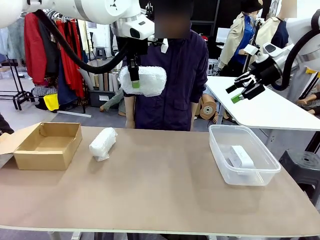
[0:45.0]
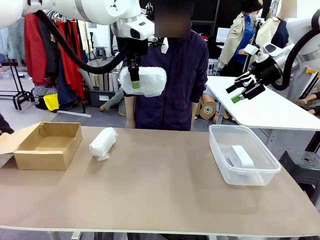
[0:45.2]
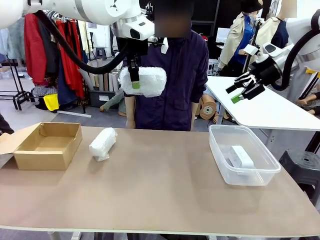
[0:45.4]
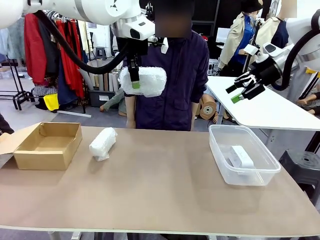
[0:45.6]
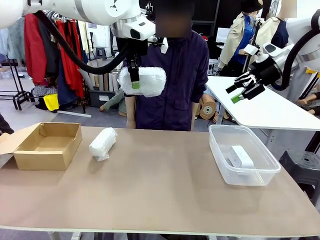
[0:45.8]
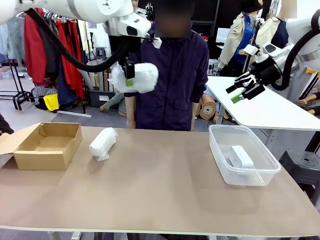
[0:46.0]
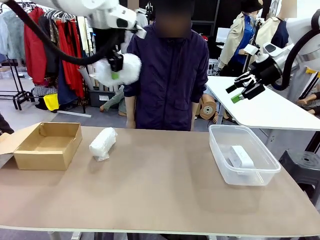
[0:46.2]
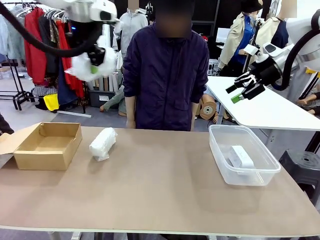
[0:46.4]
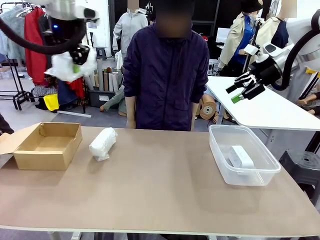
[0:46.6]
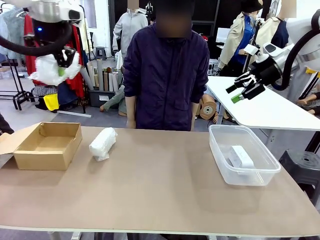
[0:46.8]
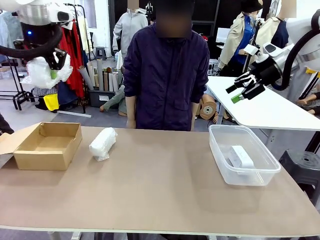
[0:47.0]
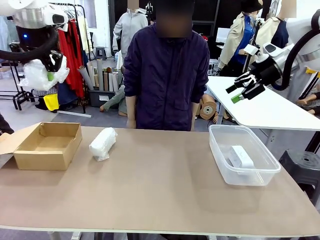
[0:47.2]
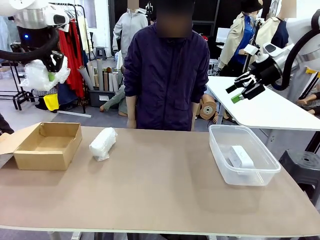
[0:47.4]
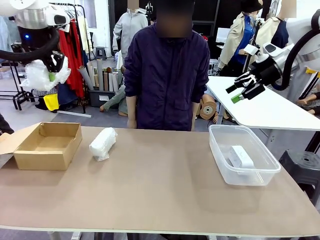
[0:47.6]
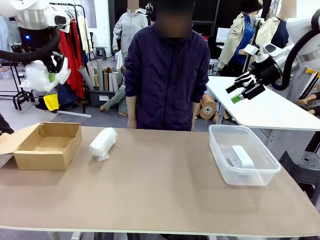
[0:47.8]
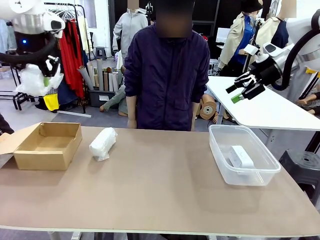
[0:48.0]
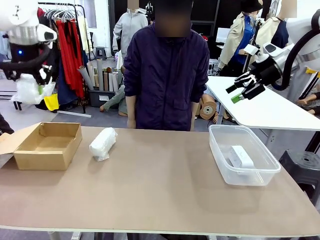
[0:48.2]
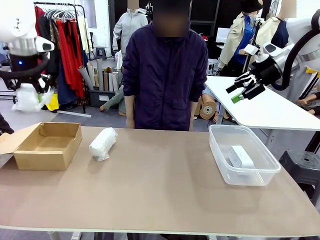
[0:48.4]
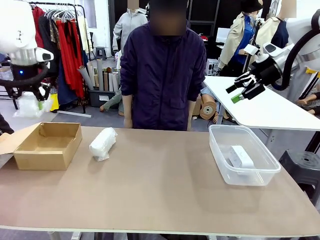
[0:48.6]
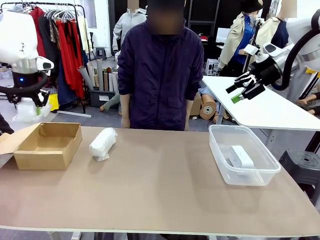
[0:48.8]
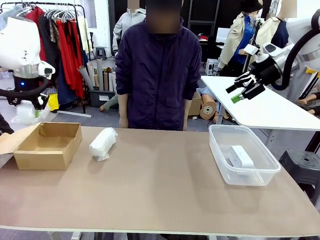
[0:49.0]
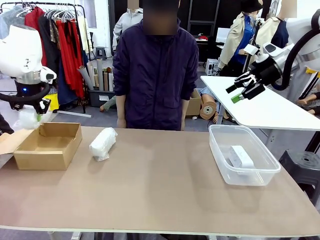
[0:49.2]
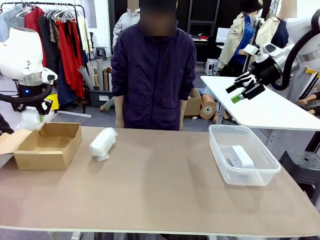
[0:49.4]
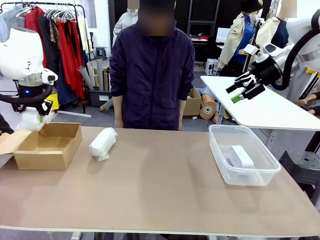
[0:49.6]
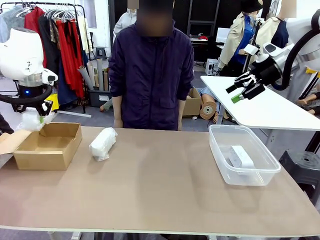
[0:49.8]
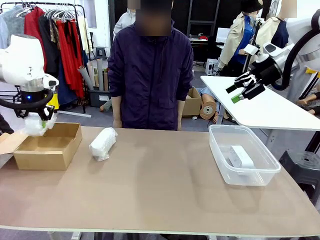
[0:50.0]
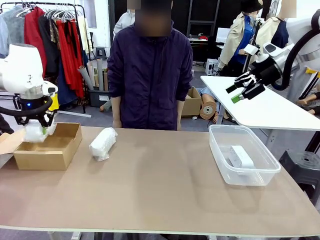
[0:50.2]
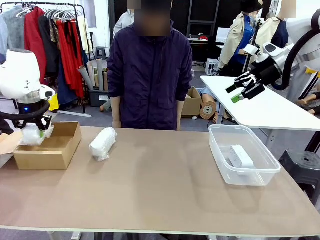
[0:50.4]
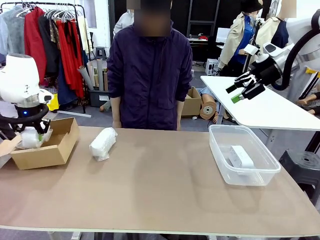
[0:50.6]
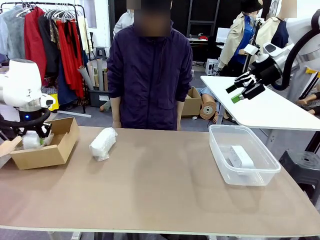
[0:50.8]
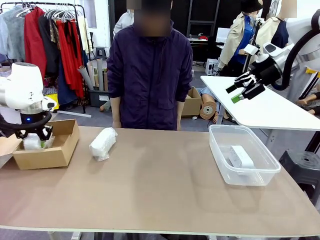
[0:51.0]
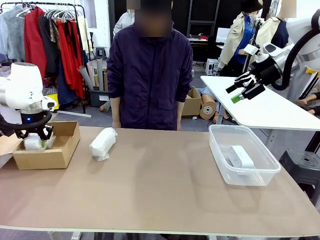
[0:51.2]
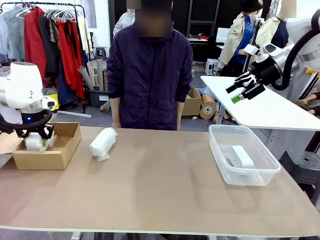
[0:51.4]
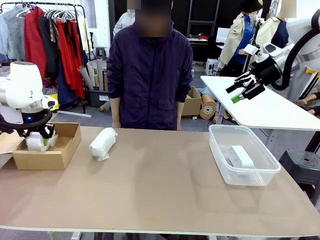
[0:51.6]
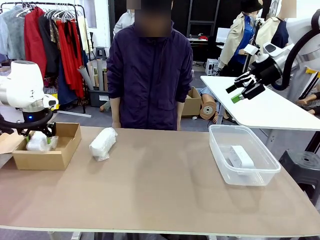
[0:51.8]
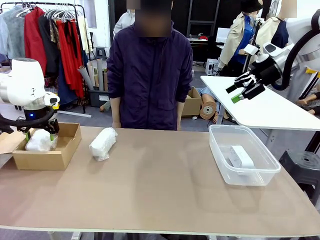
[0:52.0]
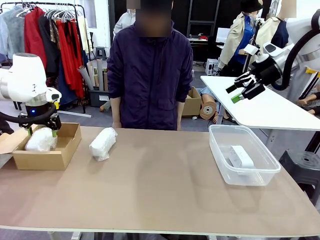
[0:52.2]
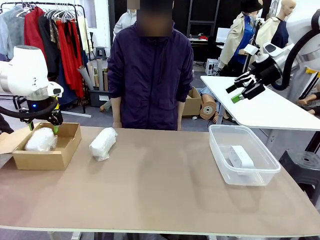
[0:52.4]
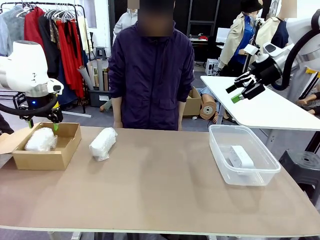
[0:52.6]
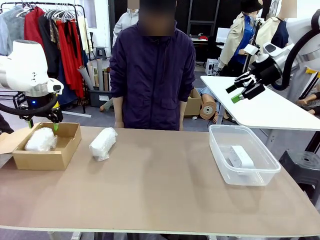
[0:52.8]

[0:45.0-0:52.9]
Task: Separate and place wrapped and unwrapped clocks.
Robot: If the picked Digital clock is wrapped, place it in the Package Box ; if not, place it in the Organizing box.

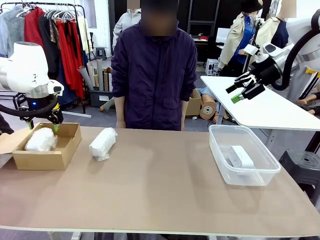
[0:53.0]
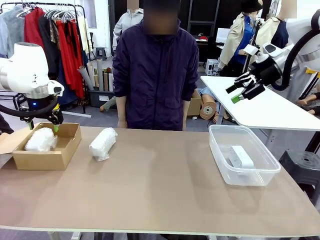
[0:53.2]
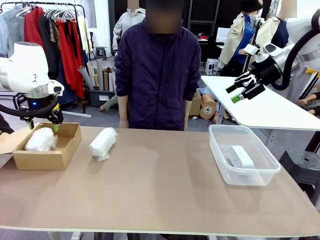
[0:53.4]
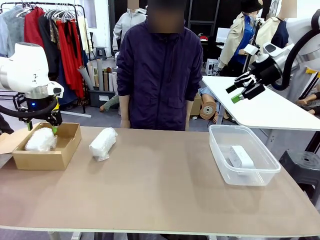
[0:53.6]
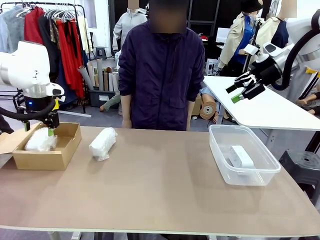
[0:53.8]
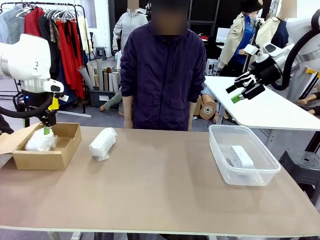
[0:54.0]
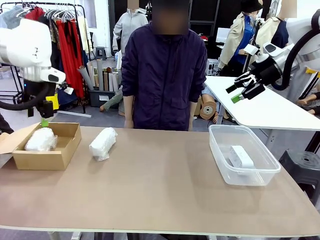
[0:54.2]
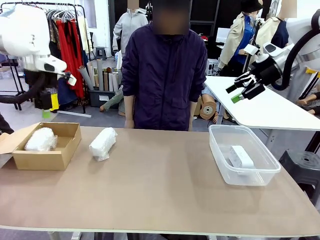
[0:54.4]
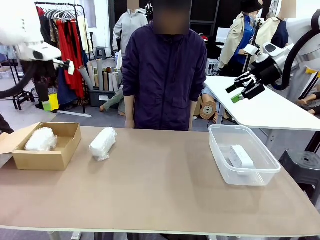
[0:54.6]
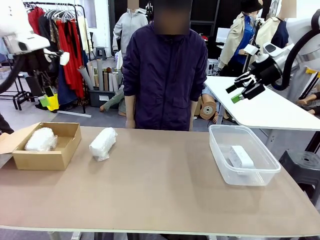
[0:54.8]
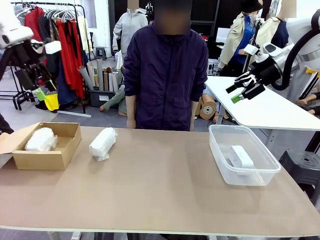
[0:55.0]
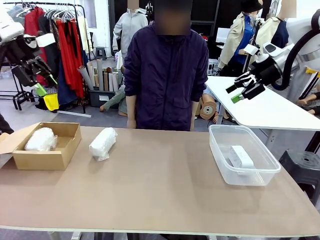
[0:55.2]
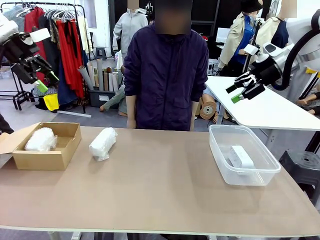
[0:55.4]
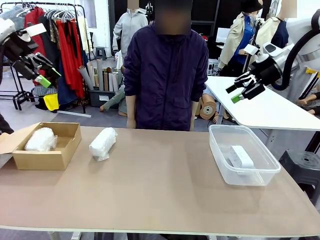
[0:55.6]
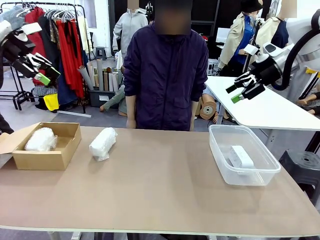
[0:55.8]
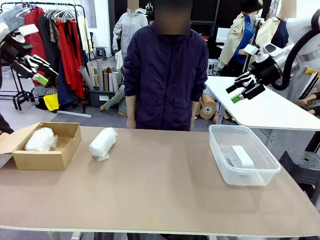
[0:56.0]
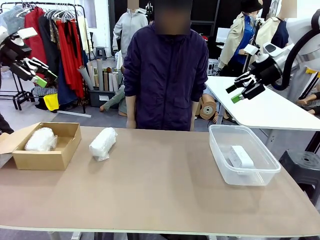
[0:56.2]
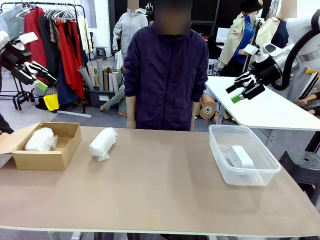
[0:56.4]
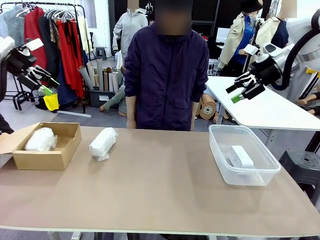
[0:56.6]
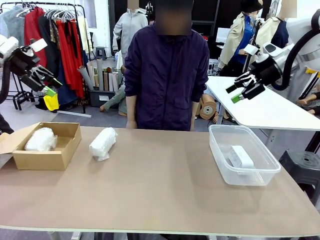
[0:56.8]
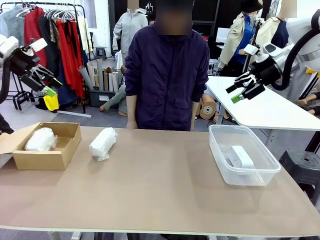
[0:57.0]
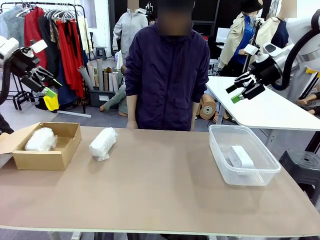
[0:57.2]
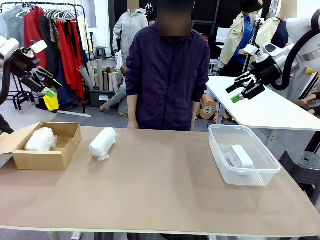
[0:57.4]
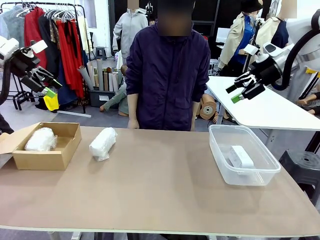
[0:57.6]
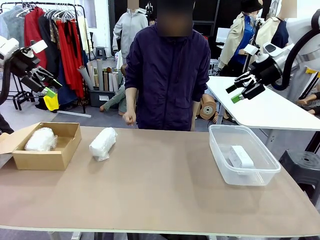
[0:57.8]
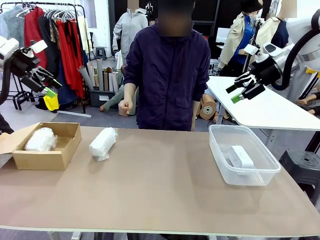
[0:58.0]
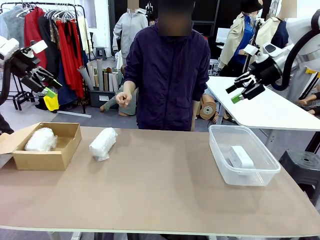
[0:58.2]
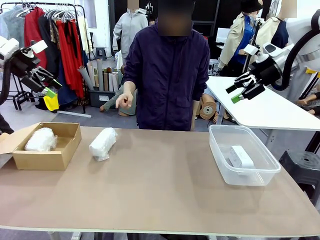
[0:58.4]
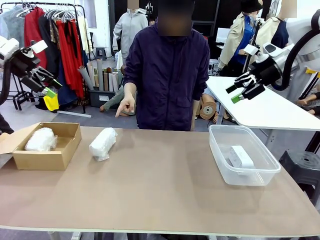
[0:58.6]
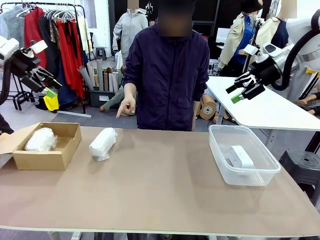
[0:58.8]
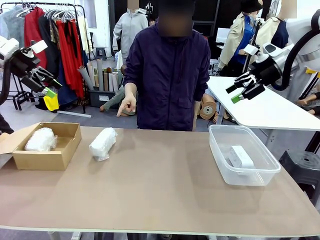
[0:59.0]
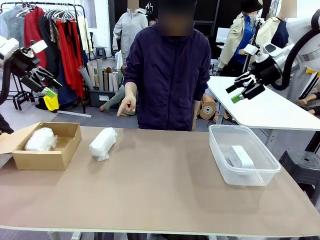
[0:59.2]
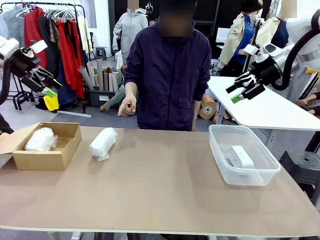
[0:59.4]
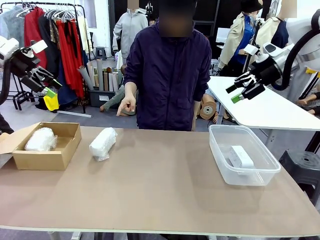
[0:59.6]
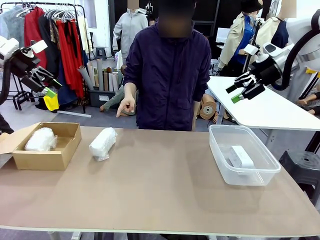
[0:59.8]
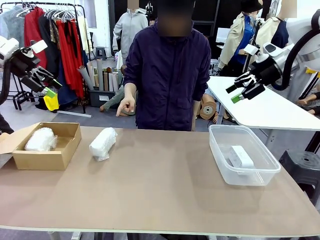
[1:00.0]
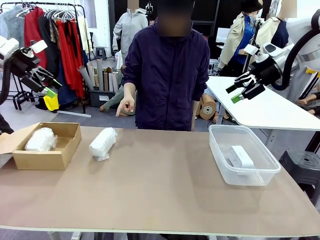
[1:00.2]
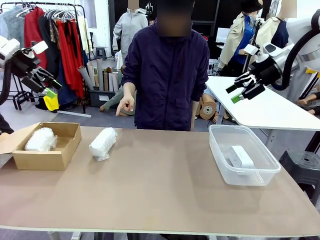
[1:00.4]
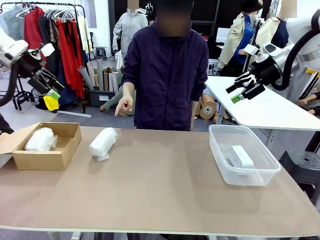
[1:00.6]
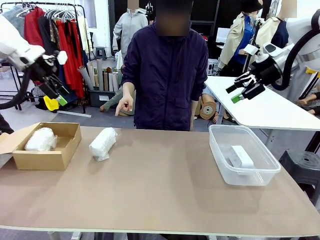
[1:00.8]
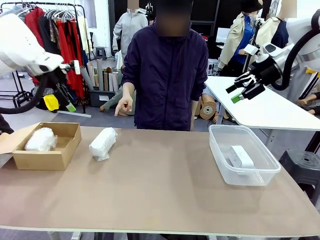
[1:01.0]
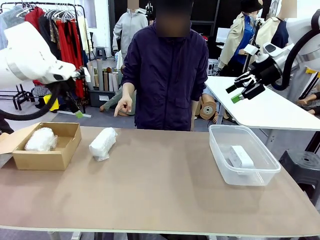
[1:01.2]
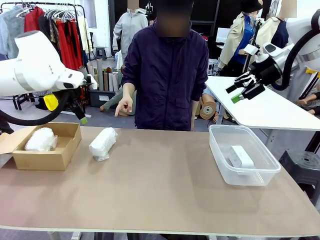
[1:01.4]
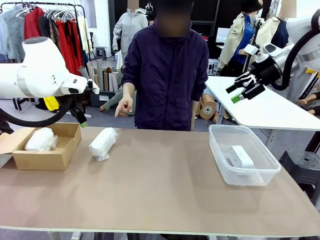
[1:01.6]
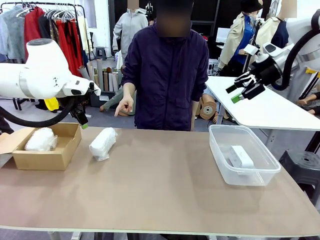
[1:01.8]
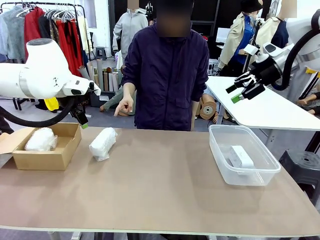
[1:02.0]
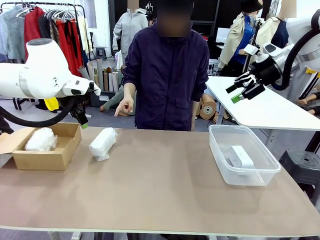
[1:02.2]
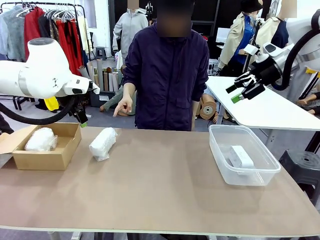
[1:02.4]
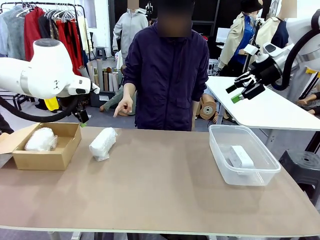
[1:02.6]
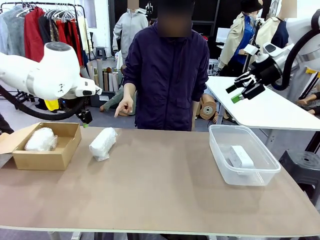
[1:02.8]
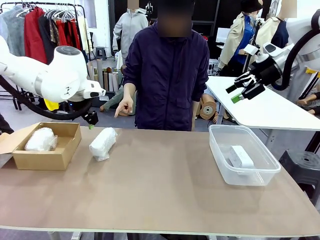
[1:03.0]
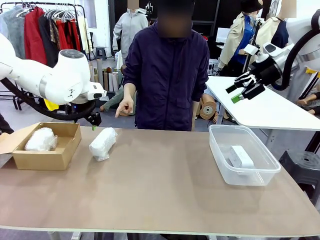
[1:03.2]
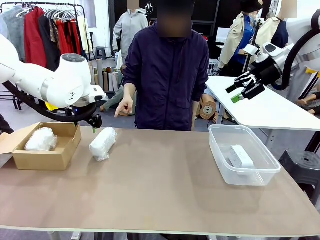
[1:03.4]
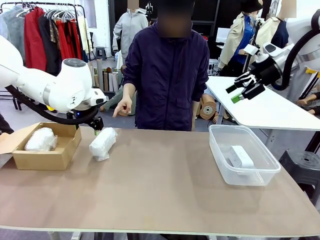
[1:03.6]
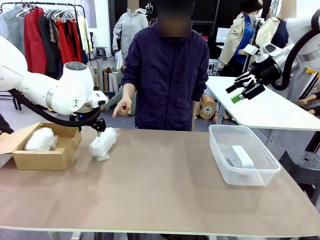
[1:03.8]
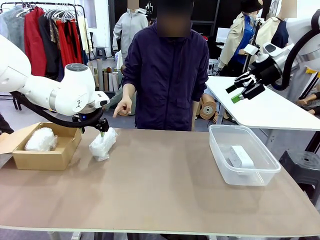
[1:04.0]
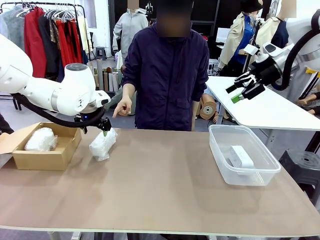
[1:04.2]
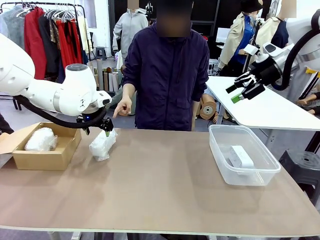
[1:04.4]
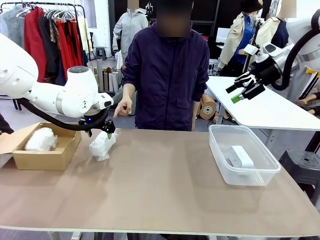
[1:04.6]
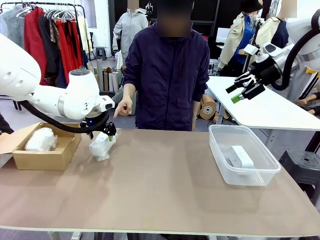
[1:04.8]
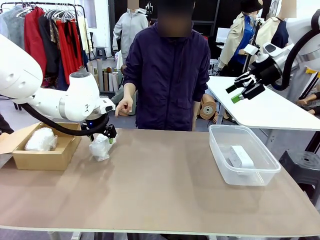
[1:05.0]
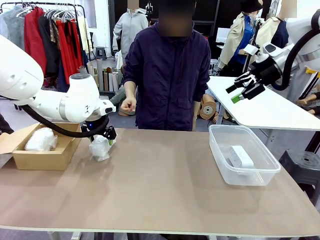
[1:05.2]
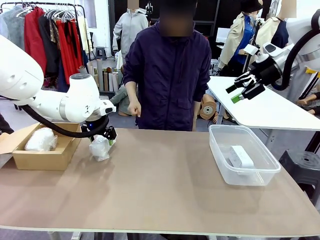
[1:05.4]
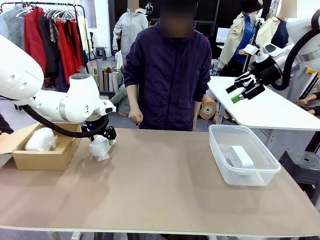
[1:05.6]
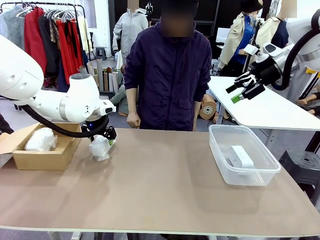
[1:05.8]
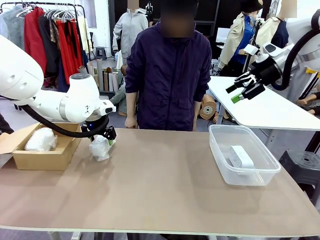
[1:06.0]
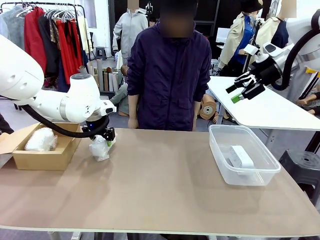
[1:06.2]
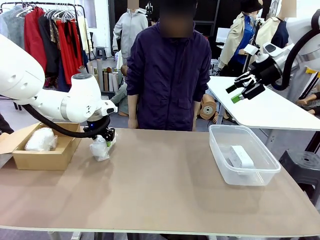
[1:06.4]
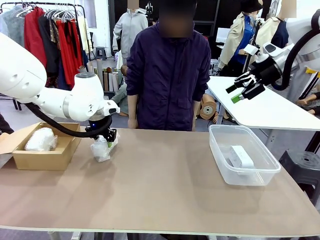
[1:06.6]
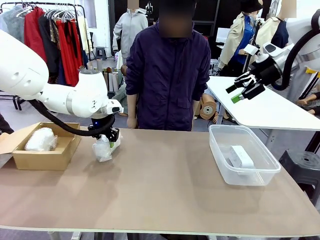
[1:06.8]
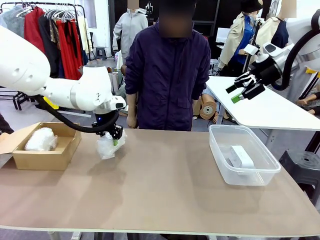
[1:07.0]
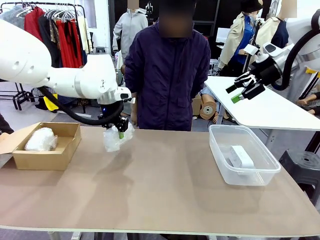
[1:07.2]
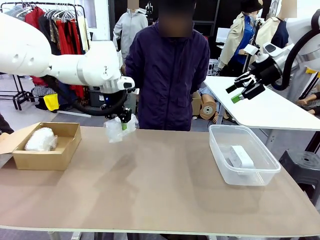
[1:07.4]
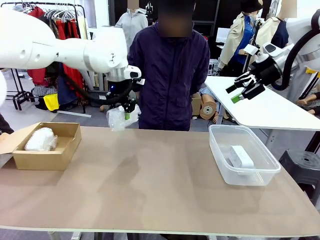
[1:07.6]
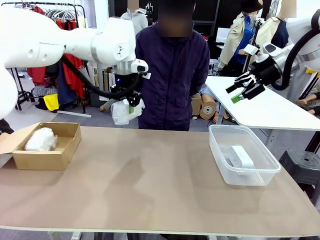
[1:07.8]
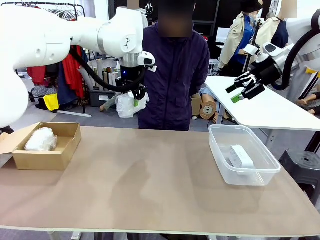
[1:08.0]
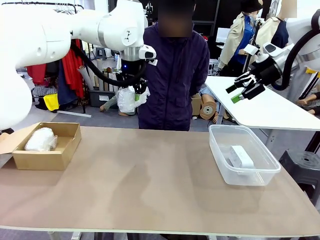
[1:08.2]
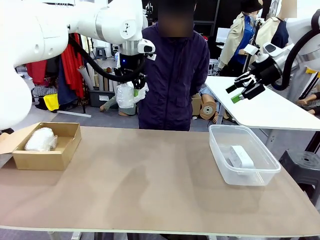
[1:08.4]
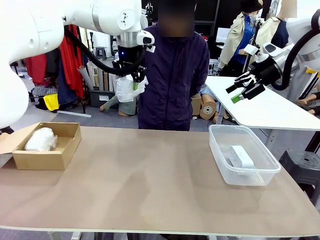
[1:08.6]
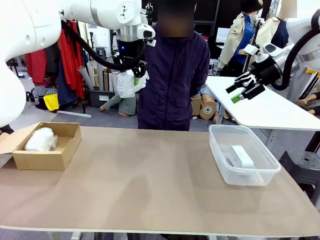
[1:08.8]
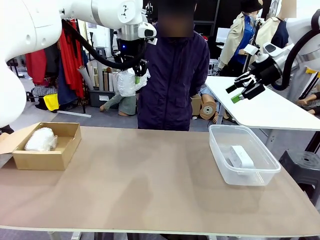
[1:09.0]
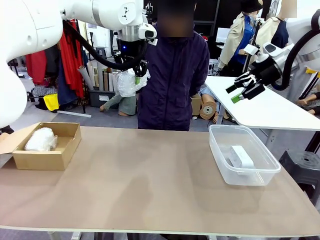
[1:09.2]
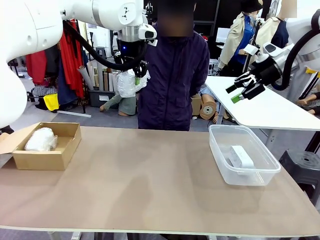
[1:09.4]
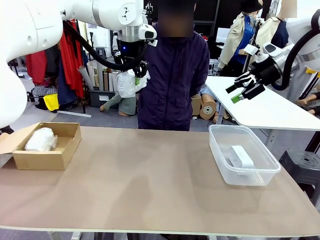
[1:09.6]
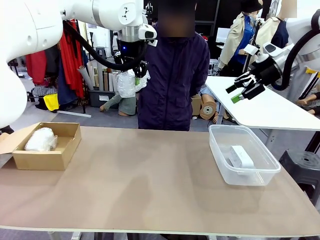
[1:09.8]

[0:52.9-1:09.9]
Robot: Pick up the Digital clock indicated by the person.
